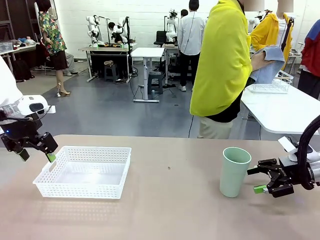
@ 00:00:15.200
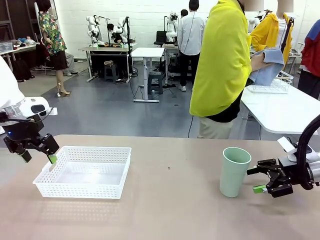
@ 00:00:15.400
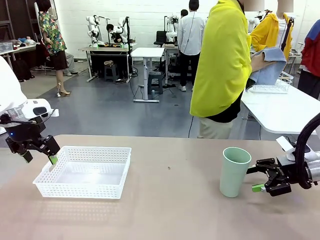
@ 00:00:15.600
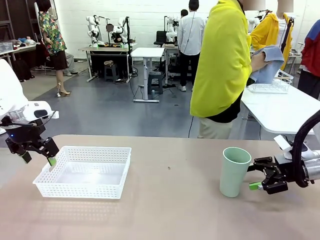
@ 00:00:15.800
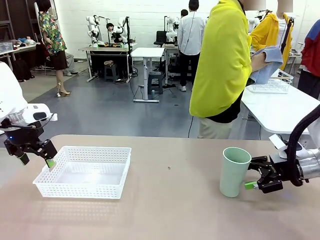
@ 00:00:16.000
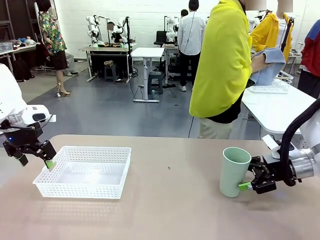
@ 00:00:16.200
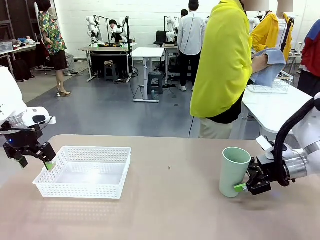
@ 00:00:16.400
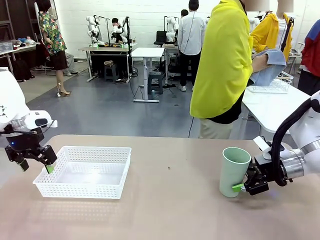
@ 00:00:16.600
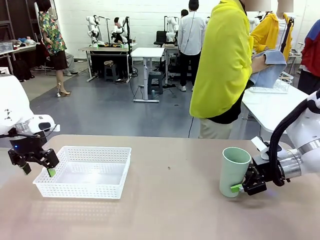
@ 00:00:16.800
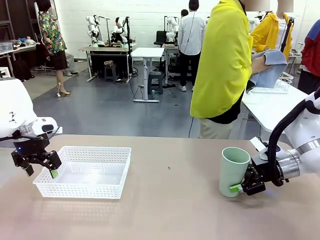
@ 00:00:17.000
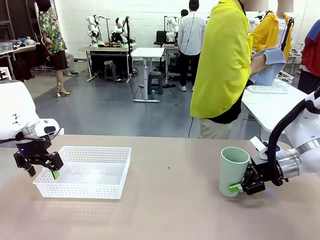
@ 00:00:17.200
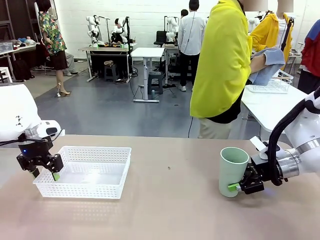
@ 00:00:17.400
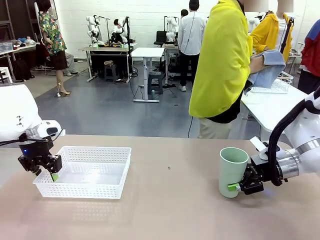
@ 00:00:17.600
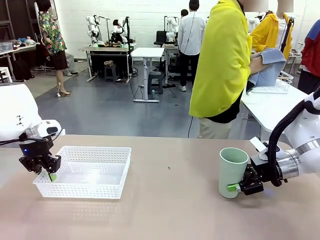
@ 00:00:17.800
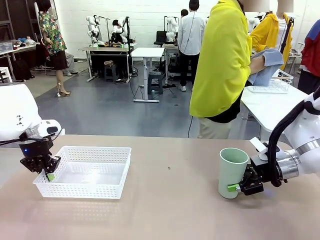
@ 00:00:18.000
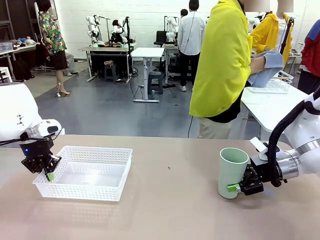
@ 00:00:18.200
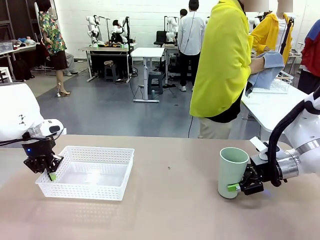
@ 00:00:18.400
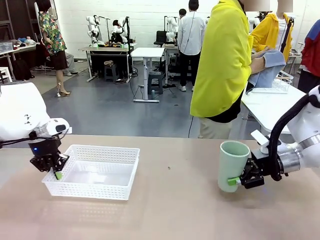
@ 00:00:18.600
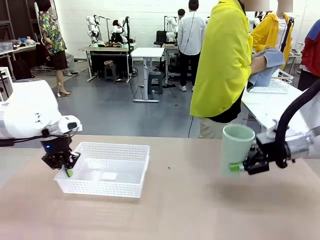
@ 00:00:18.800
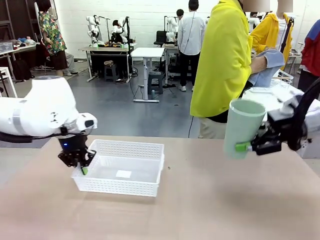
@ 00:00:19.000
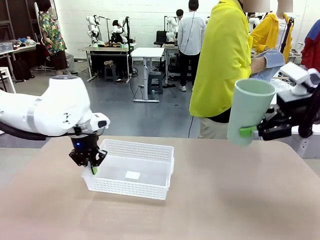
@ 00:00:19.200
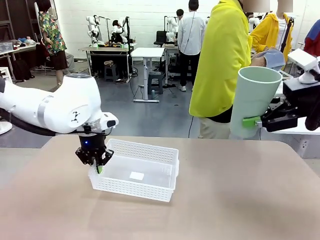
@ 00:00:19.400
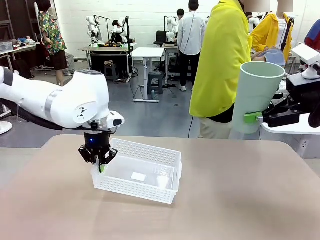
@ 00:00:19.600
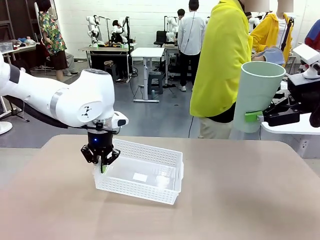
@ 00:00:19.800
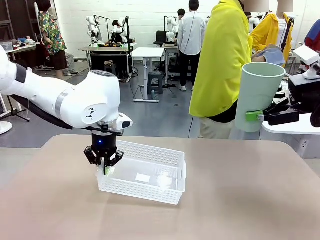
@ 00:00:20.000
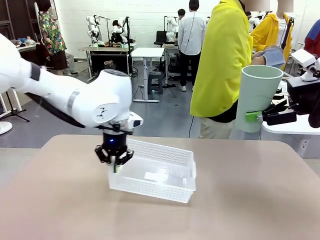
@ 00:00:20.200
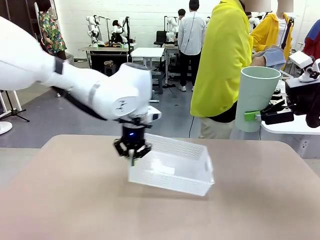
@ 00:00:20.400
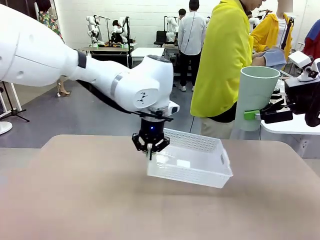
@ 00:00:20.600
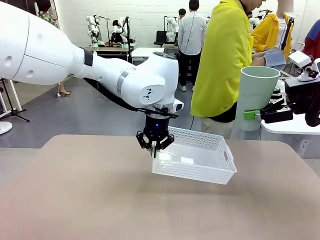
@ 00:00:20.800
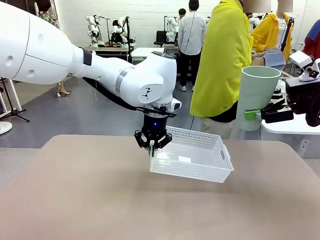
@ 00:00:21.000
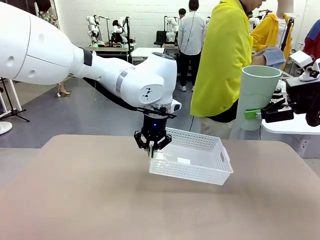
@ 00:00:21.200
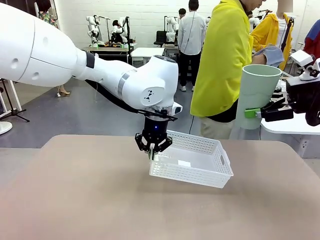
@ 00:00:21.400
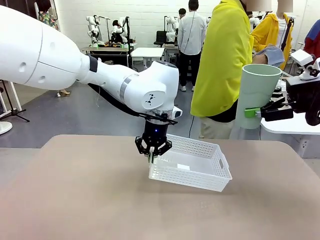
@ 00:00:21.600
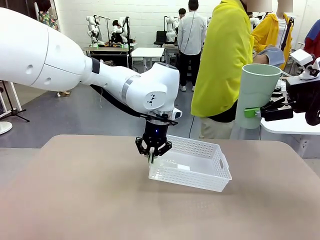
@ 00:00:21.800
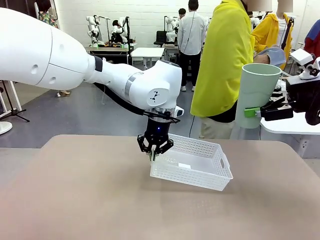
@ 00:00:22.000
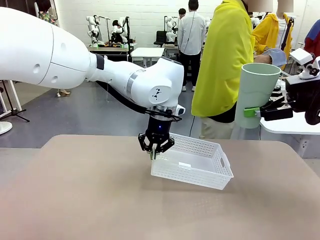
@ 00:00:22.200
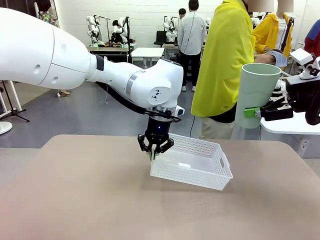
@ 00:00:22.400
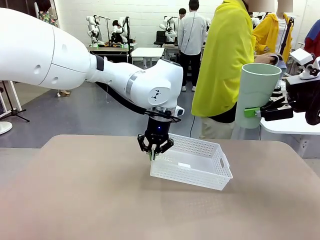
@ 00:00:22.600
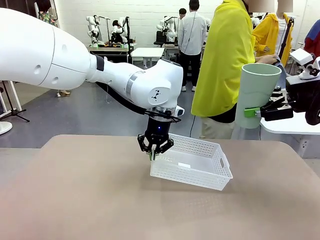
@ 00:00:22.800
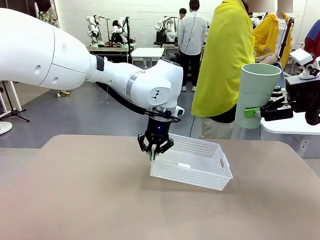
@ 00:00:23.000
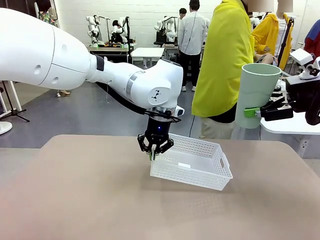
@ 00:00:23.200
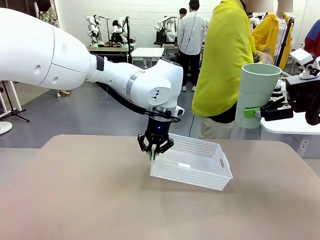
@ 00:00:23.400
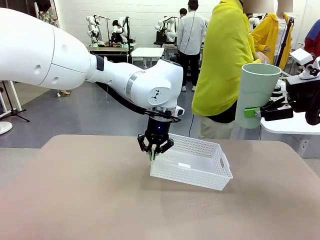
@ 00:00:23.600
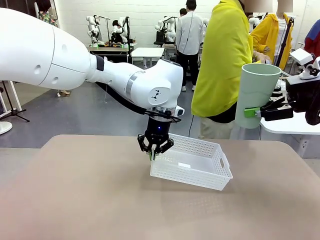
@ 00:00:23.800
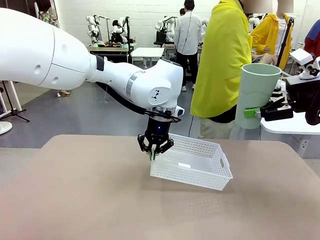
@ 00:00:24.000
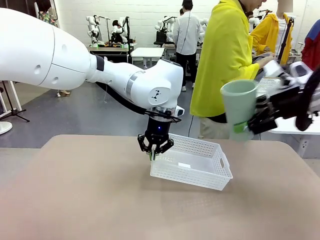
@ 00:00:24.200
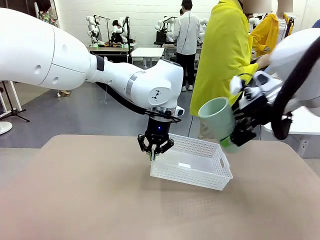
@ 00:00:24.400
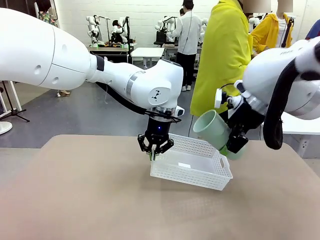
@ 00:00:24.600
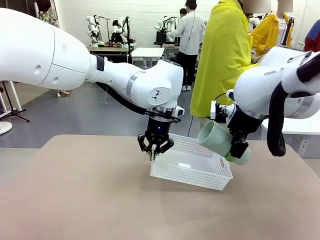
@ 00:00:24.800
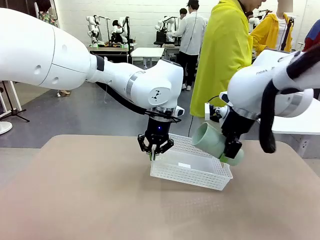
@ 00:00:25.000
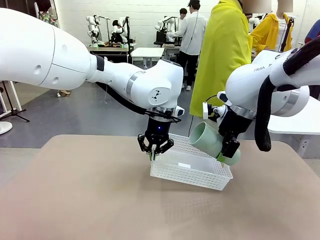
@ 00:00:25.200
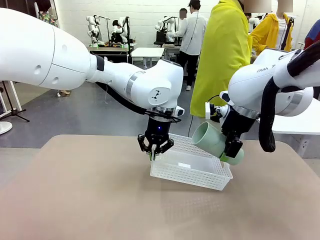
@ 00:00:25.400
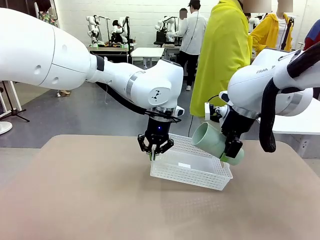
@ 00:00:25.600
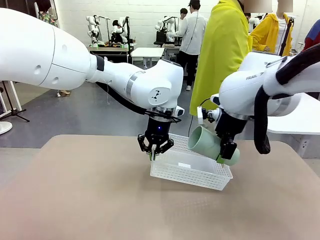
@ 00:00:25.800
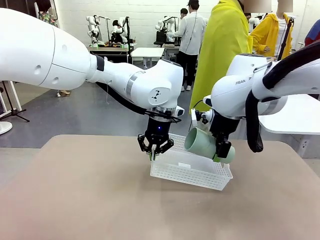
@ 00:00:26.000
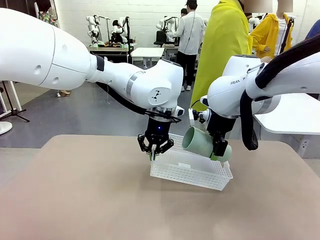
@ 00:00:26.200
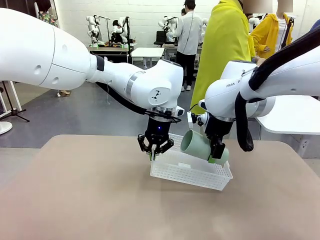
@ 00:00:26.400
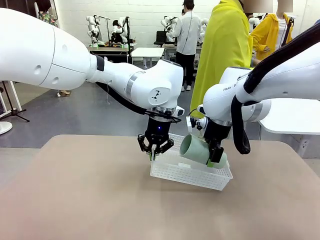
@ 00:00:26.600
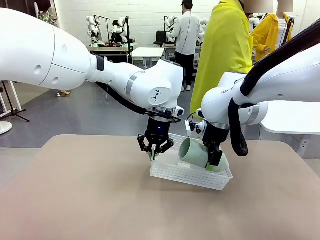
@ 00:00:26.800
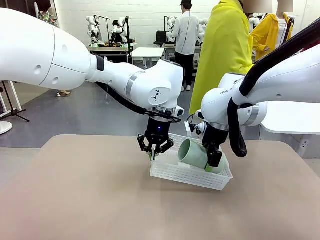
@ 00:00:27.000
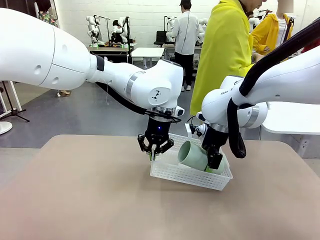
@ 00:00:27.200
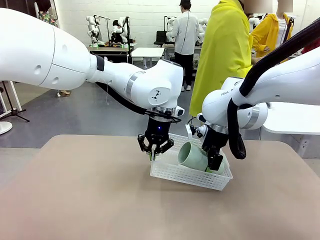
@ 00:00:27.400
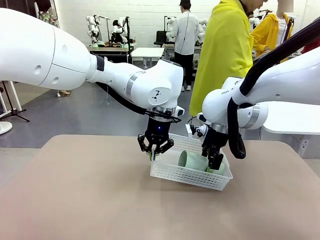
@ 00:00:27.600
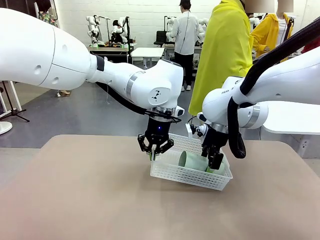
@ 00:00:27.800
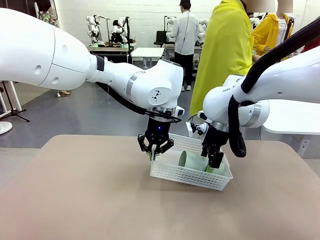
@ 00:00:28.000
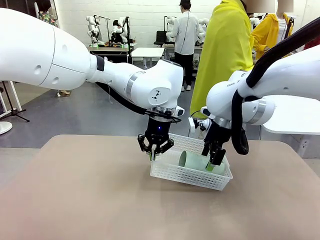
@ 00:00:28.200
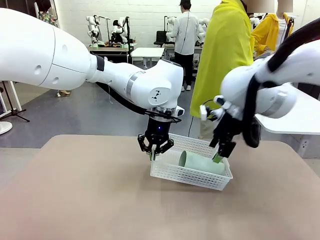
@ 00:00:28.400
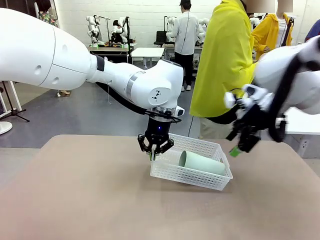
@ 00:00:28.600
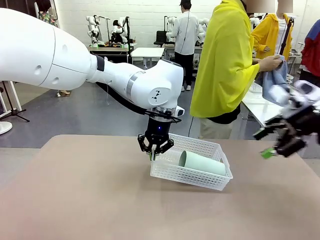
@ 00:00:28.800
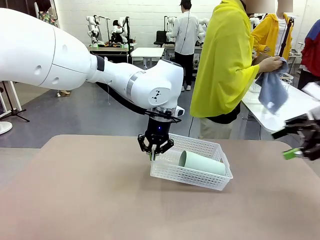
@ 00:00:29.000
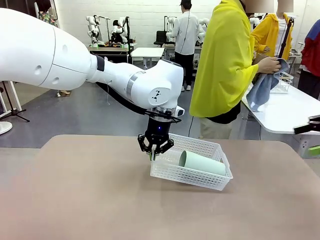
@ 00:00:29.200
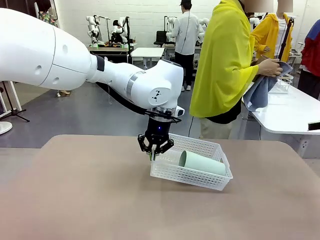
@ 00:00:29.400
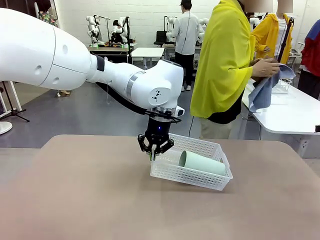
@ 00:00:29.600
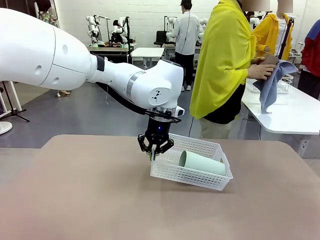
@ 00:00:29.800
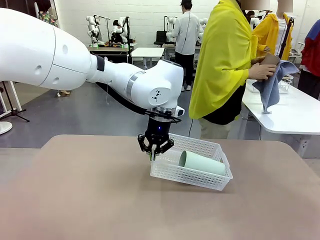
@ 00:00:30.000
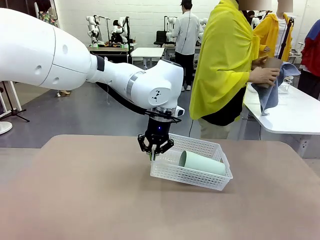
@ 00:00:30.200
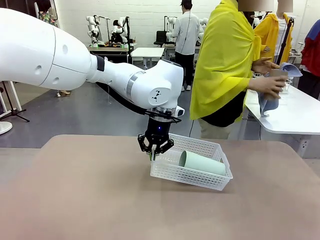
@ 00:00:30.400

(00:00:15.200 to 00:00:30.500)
Task: Clean and organize the cups into the basket.
Robot: Pick up the Organizing basket and move it to the center of the table, then pick up the Reusable plastic cup from the right side of the table and place it inside the Organizing basket.
